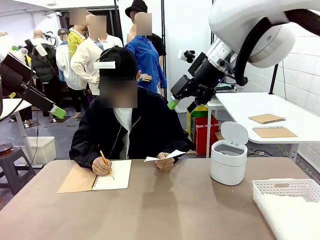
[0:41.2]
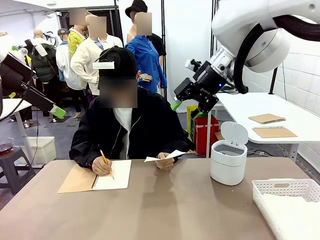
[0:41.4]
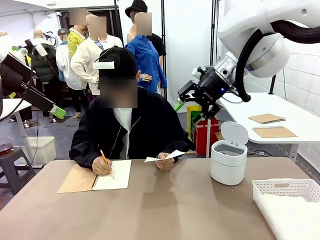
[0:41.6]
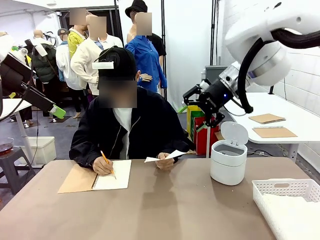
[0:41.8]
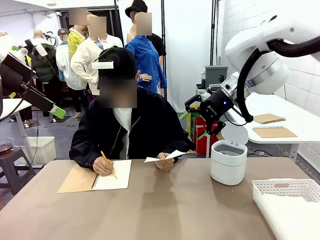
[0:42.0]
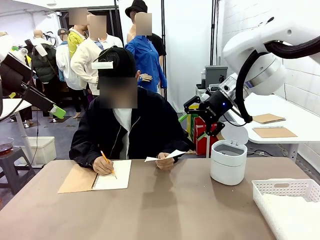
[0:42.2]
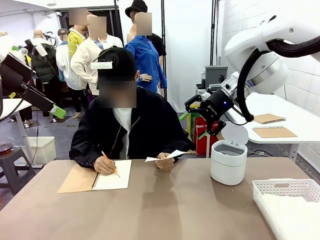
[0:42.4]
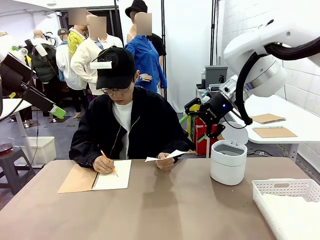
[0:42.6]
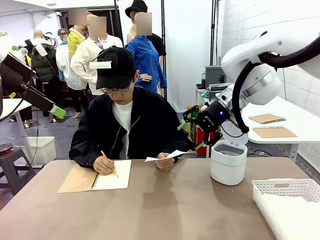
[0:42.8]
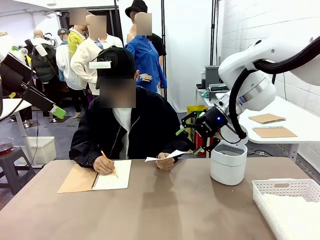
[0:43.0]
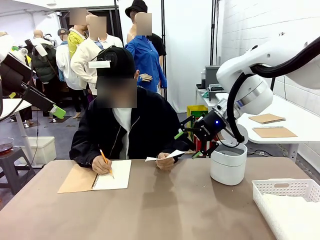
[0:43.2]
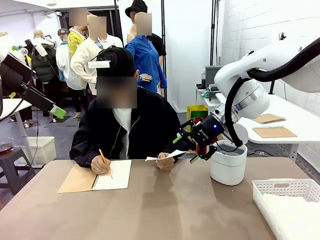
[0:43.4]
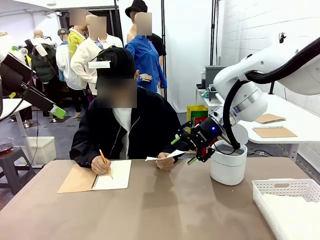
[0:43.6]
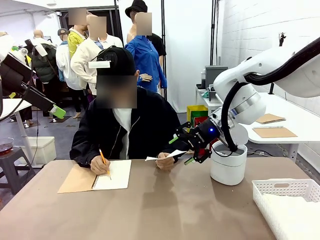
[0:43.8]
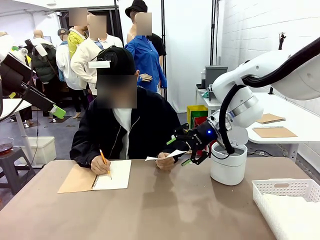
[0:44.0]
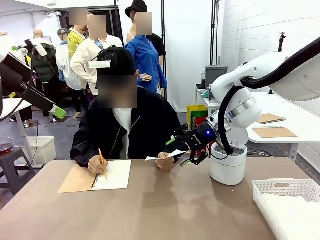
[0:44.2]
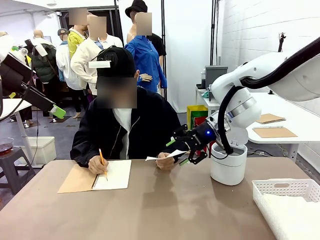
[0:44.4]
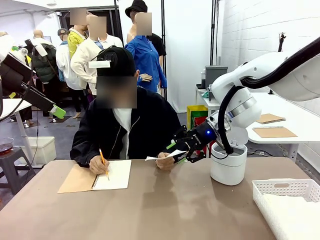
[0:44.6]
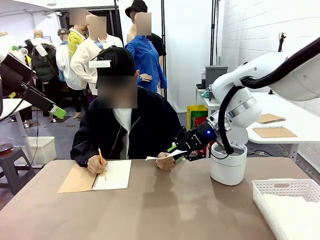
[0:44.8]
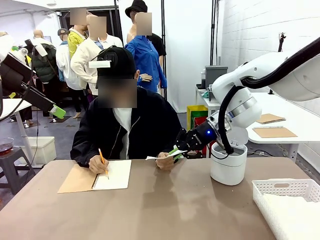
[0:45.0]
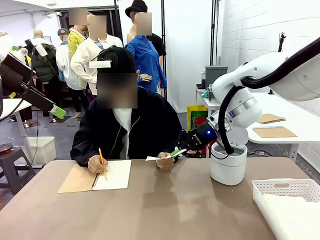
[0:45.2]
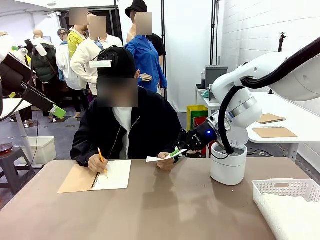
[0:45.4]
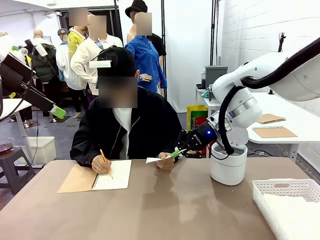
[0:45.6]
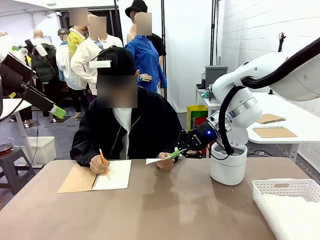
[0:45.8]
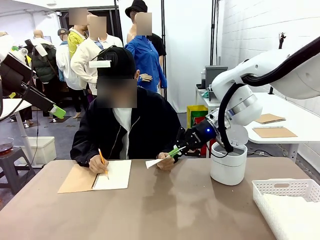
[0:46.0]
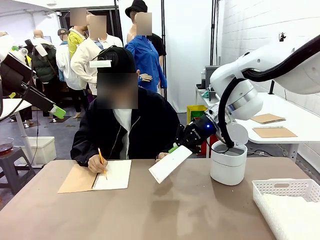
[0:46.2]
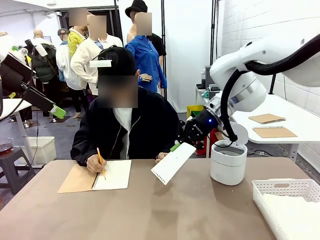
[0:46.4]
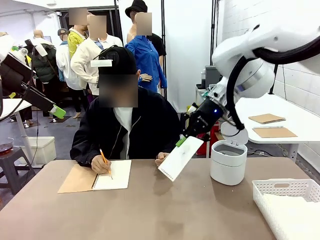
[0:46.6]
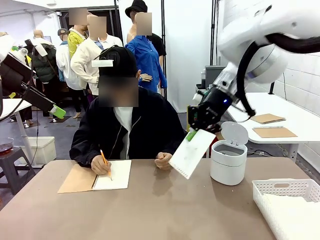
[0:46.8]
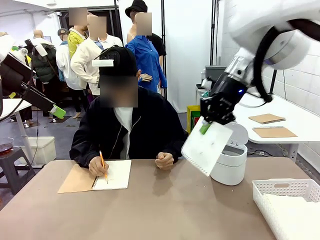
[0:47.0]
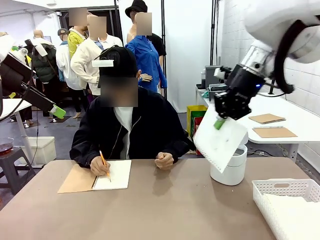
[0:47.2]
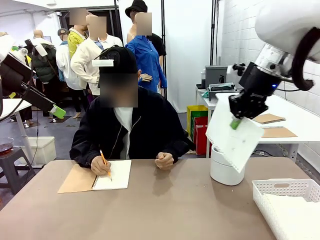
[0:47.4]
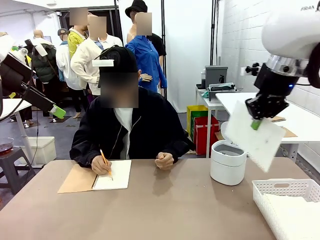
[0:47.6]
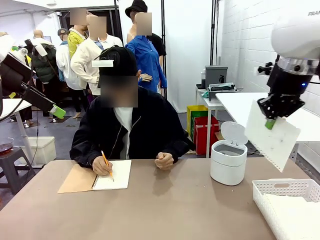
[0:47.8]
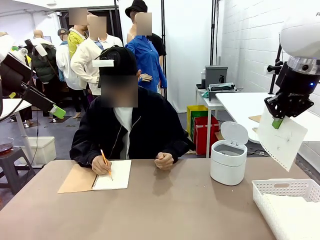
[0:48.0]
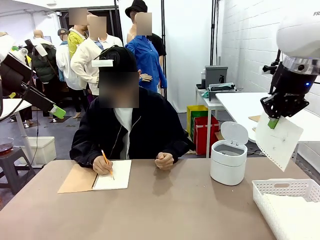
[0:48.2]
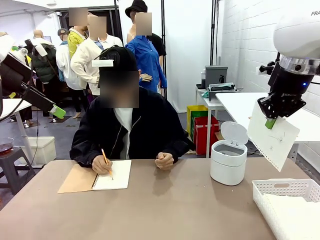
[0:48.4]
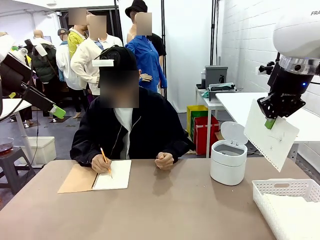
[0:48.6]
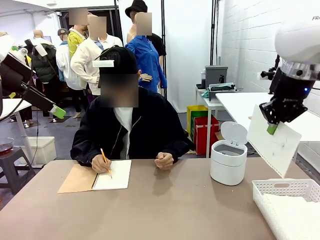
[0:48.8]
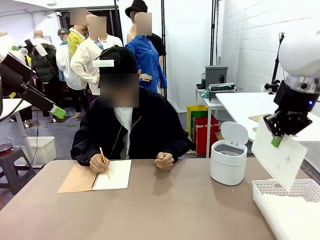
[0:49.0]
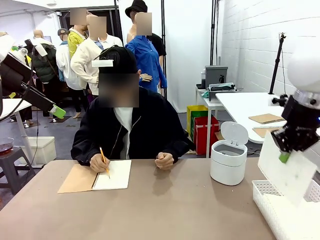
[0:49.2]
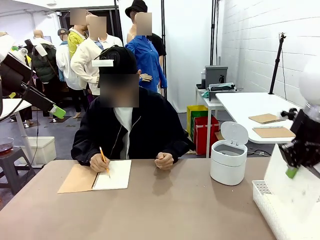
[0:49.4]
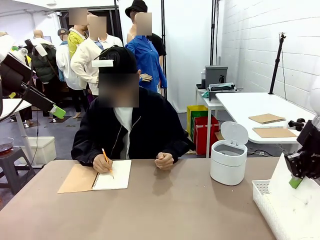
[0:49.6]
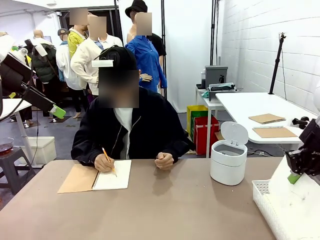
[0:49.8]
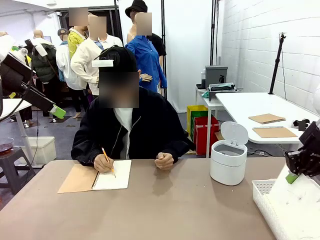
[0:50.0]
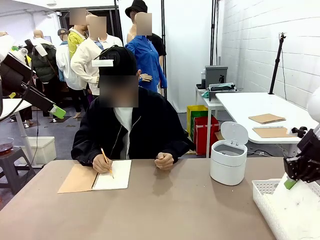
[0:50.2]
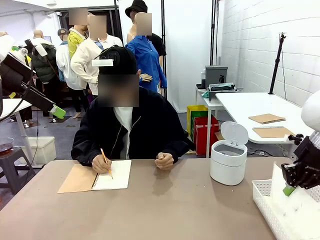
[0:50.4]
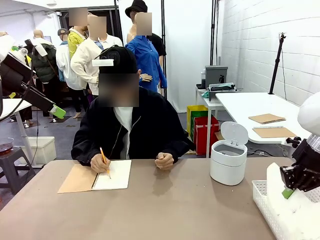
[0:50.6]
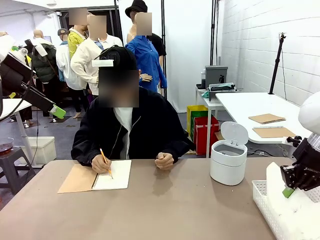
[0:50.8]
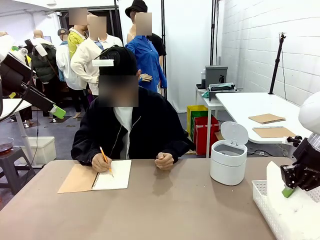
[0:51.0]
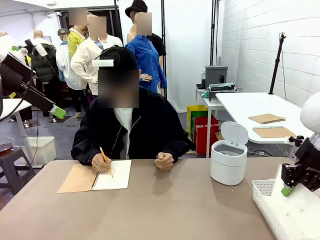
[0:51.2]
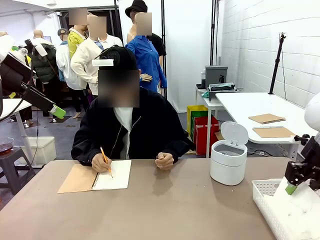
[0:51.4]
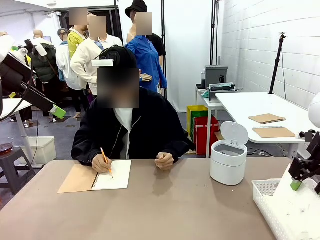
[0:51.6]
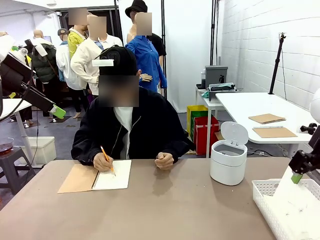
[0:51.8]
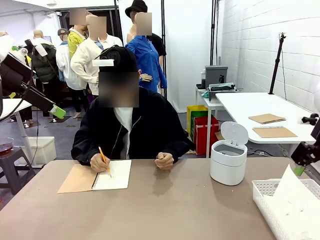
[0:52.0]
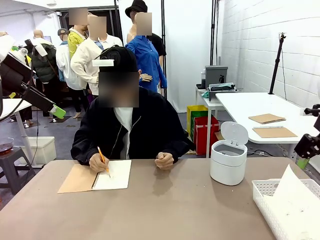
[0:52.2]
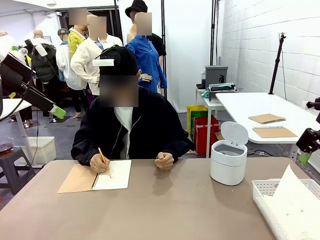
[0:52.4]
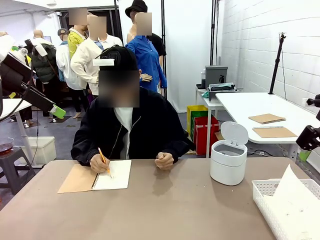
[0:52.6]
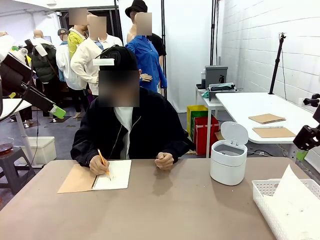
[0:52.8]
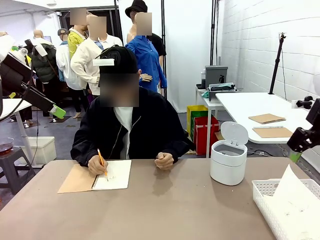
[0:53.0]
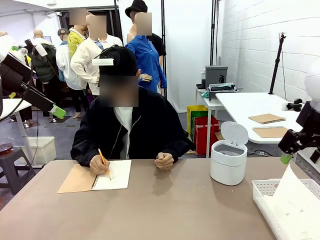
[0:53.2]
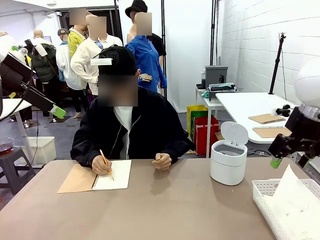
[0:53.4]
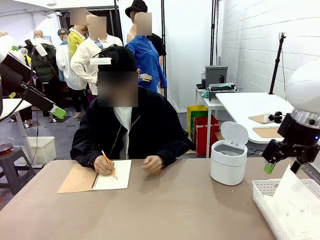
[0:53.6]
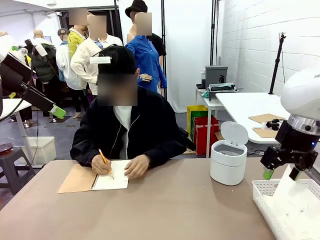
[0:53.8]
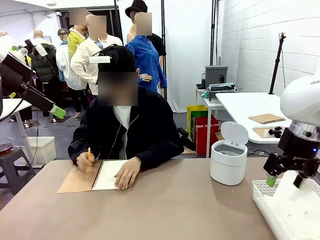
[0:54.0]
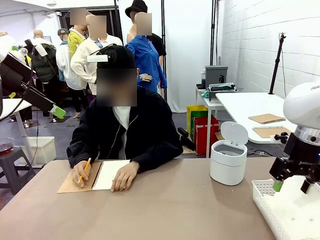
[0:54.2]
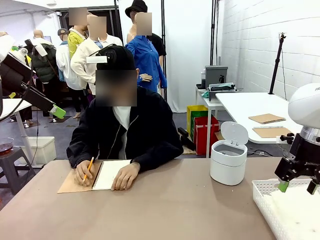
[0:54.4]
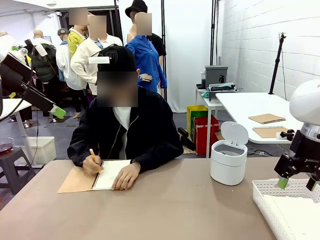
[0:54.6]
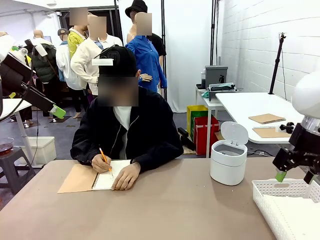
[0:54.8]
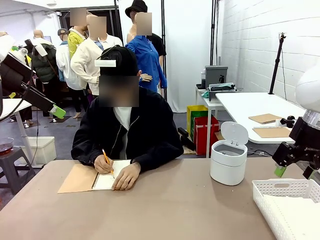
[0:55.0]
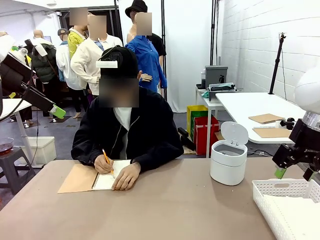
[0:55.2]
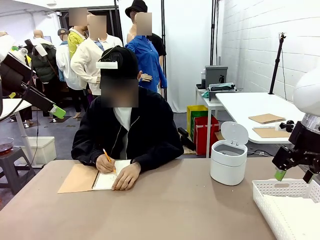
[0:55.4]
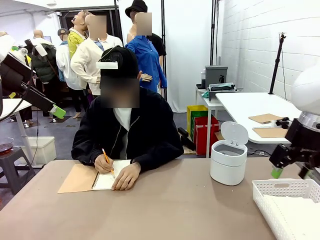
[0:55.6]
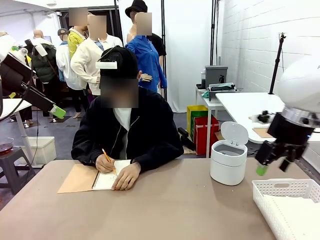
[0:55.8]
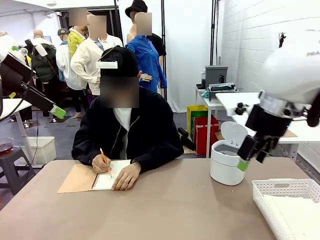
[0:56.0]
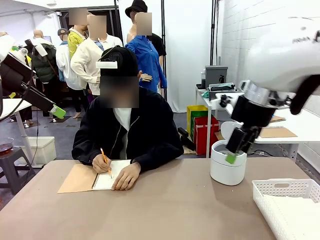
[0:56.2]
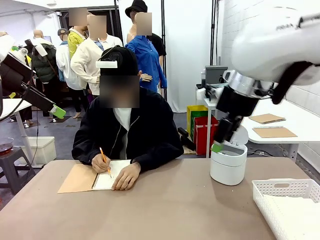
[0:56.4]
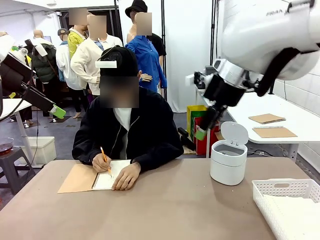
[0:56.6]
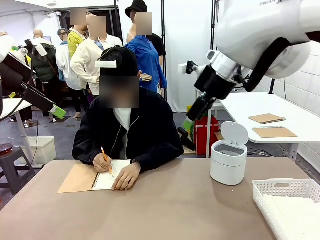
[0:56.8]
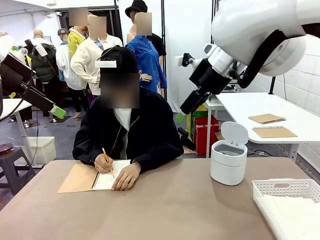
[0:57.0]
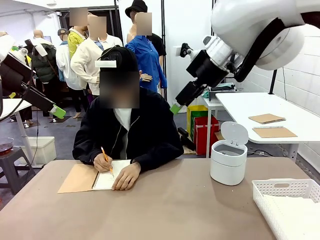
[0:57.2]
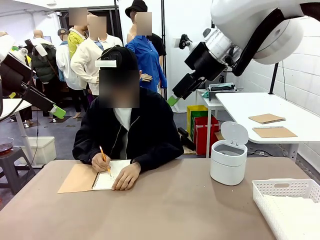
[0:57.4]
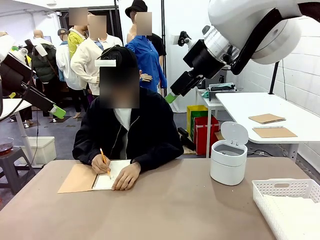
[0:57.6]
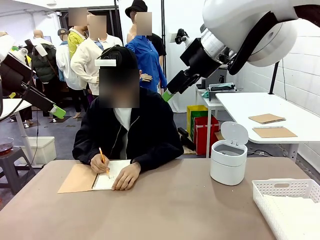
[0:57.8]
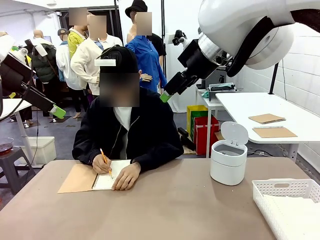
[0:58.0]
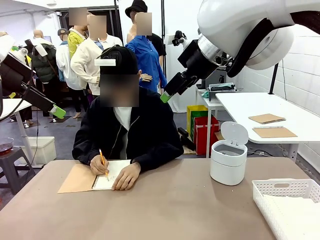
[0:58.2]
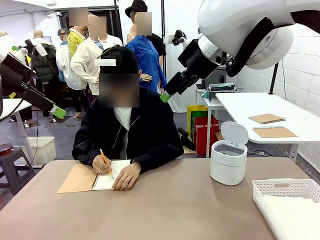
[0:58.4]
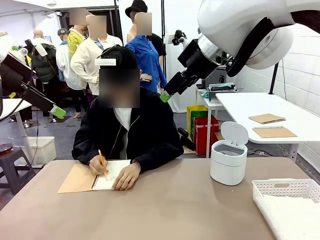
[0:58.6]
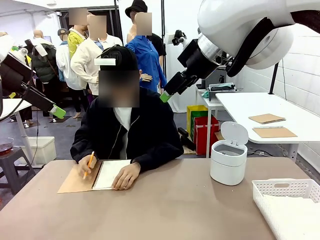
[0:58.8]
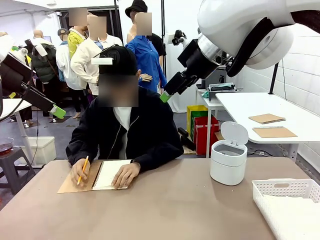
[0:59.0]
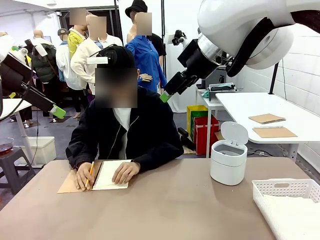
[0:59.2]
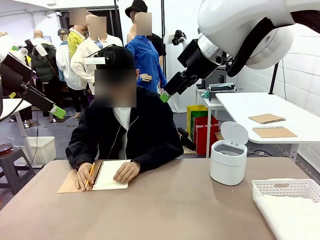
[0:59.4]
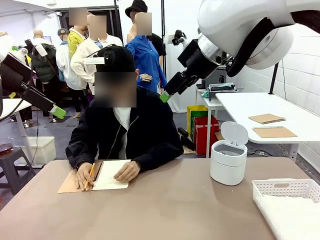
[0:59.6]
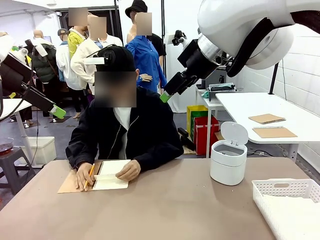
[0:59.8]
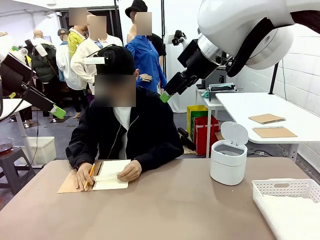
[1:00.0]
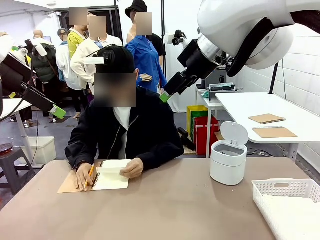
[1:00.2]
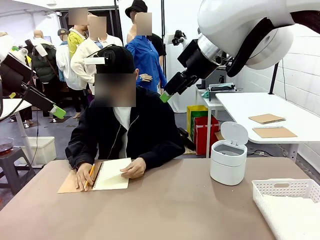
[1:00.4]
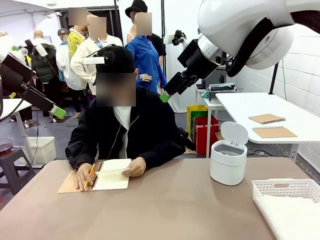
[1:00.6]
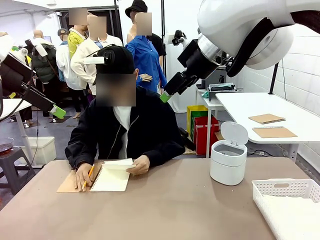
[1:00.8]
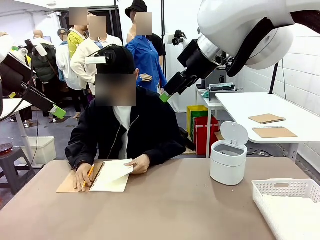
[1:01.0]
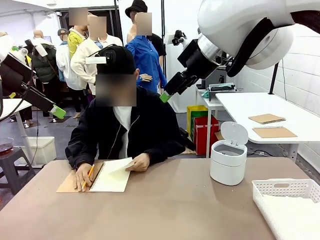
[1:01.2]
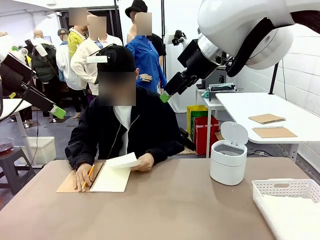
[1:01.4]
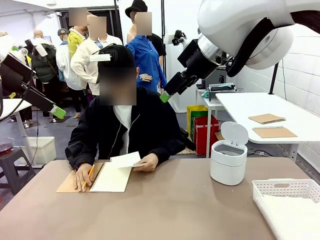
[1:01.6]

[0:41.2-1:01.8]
Task: Sort the paper based on its condition.
Robot: If a person hands you a paper, place it in the Organizing basket , and if it's crumpled, put it in the Trash can.
Person: Tear out a page from the spiral notebook.
